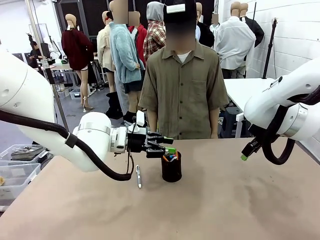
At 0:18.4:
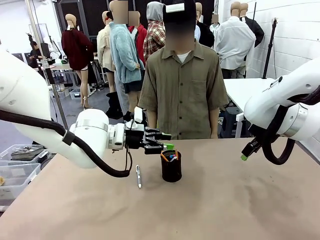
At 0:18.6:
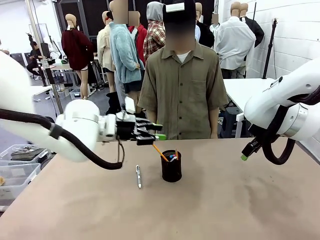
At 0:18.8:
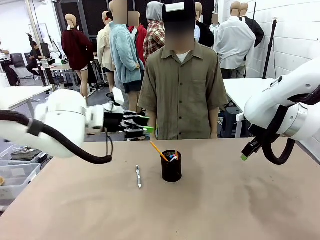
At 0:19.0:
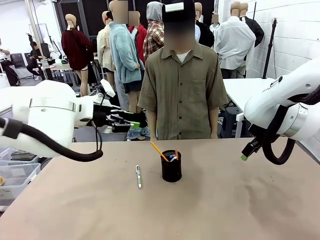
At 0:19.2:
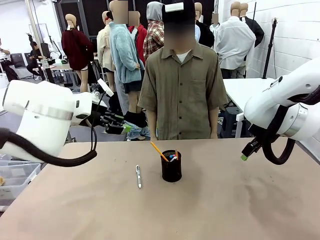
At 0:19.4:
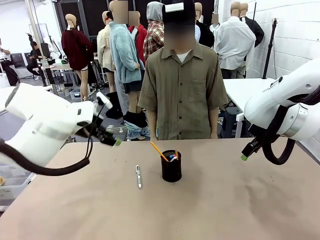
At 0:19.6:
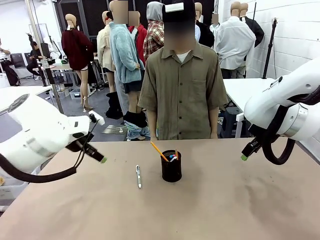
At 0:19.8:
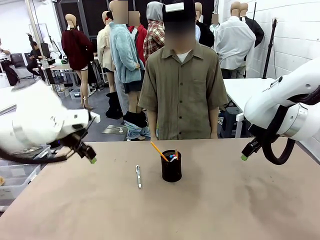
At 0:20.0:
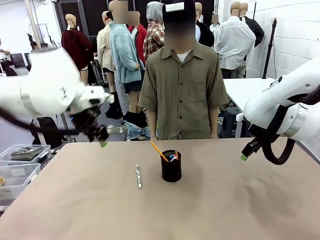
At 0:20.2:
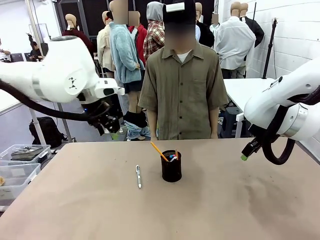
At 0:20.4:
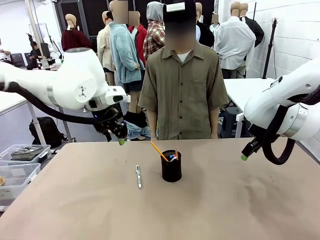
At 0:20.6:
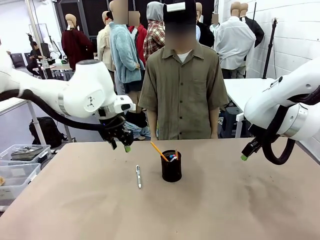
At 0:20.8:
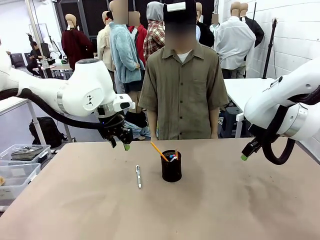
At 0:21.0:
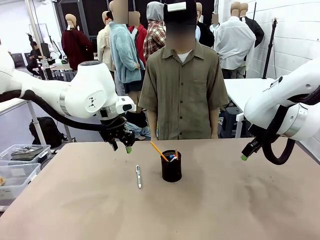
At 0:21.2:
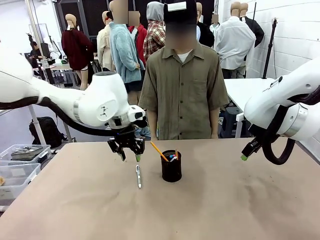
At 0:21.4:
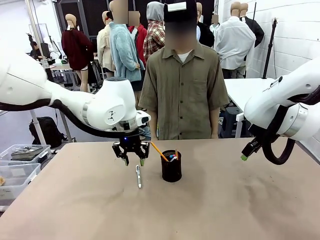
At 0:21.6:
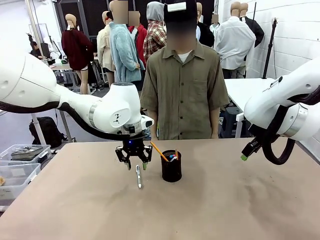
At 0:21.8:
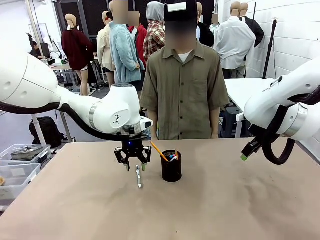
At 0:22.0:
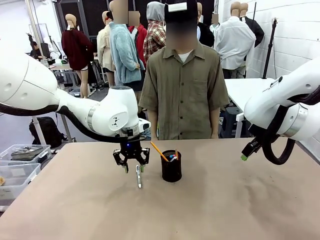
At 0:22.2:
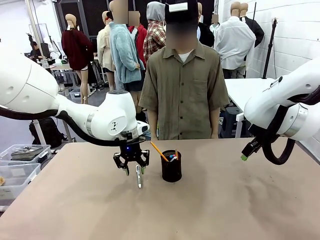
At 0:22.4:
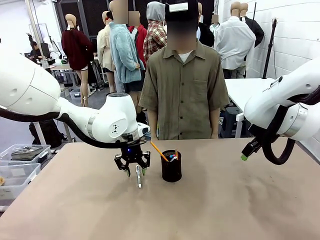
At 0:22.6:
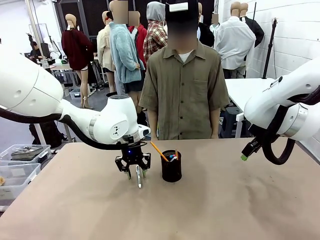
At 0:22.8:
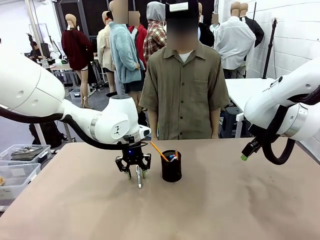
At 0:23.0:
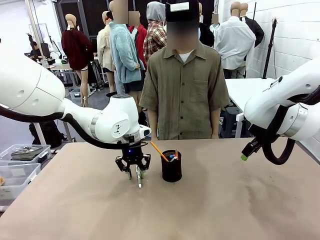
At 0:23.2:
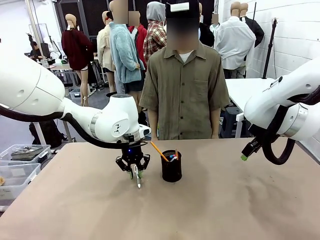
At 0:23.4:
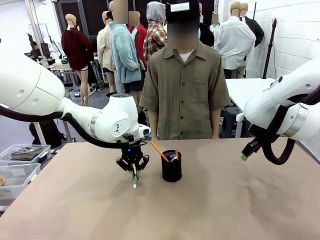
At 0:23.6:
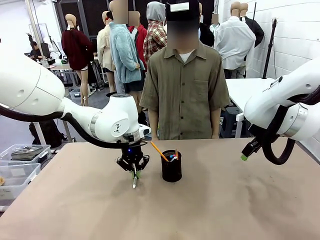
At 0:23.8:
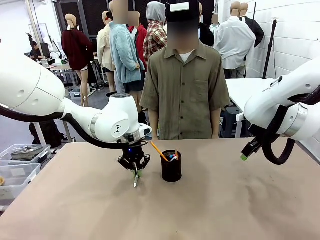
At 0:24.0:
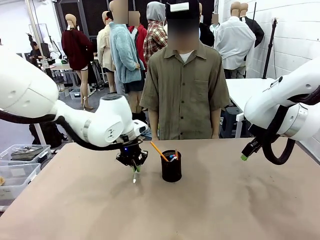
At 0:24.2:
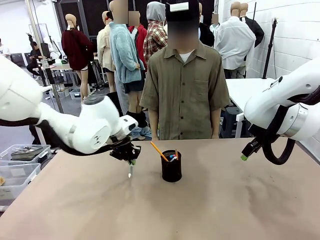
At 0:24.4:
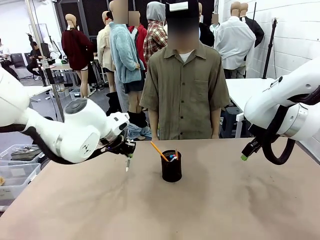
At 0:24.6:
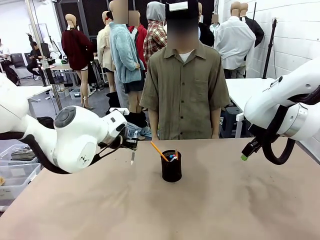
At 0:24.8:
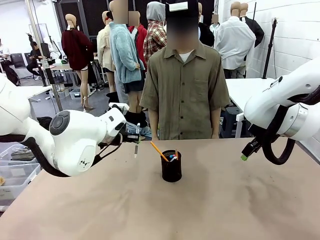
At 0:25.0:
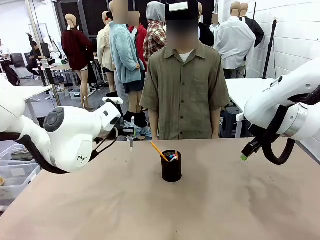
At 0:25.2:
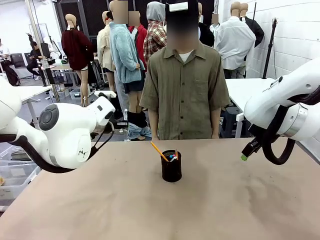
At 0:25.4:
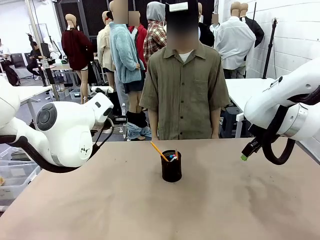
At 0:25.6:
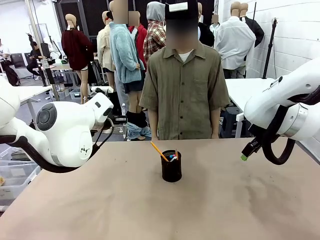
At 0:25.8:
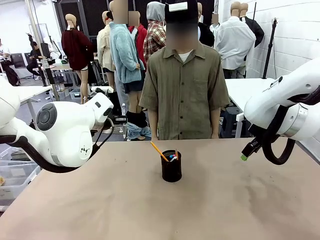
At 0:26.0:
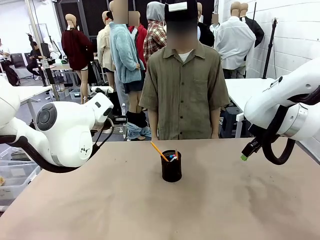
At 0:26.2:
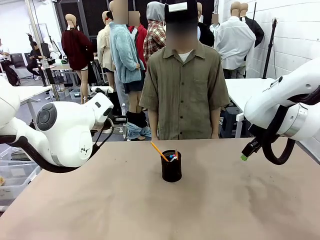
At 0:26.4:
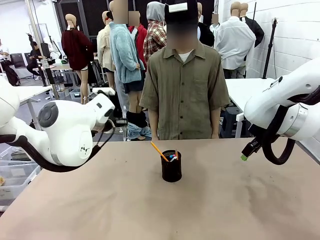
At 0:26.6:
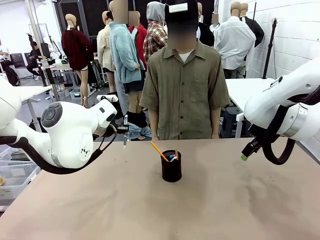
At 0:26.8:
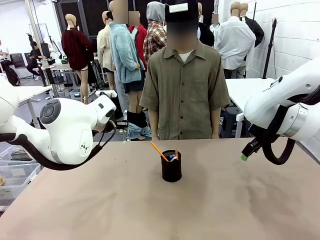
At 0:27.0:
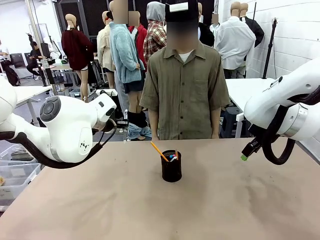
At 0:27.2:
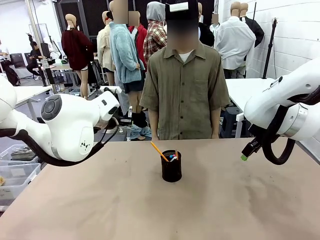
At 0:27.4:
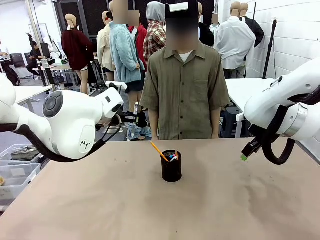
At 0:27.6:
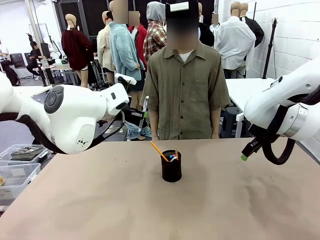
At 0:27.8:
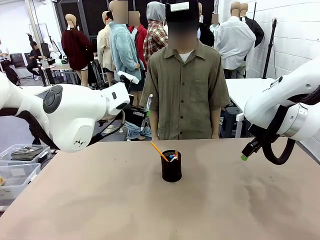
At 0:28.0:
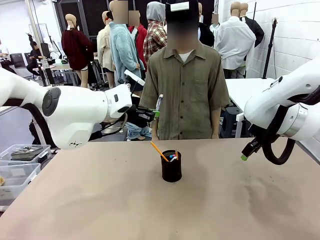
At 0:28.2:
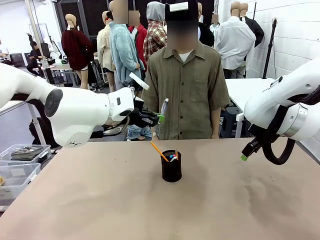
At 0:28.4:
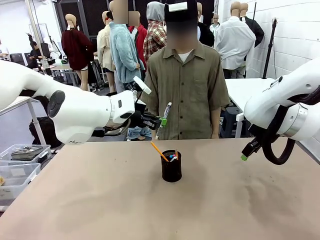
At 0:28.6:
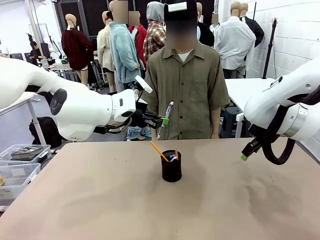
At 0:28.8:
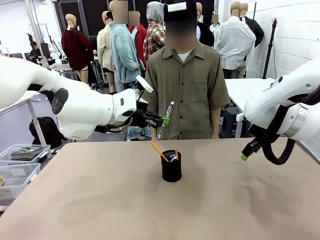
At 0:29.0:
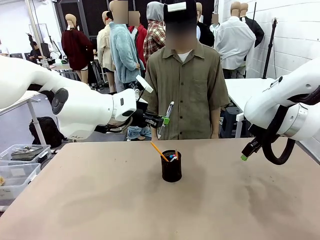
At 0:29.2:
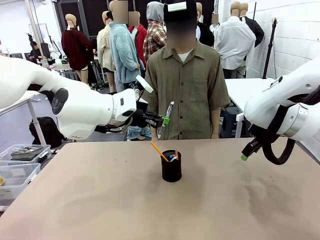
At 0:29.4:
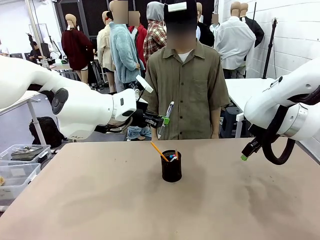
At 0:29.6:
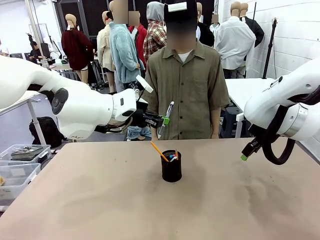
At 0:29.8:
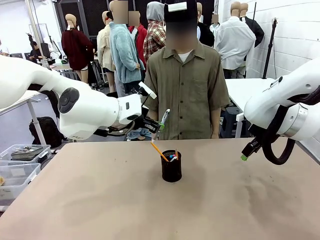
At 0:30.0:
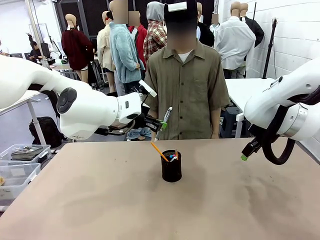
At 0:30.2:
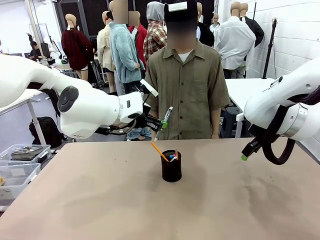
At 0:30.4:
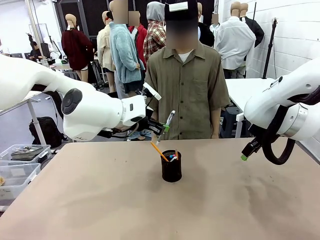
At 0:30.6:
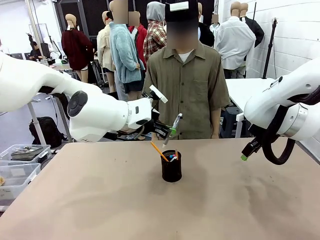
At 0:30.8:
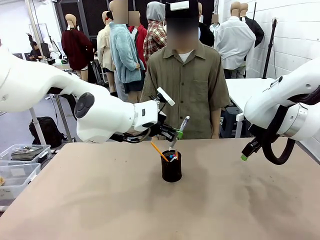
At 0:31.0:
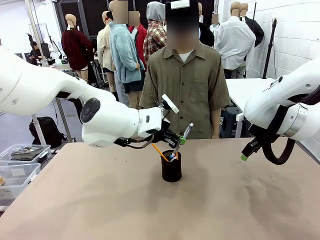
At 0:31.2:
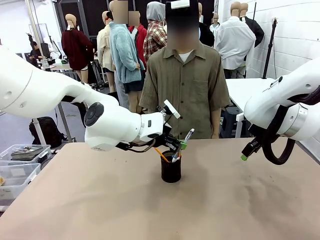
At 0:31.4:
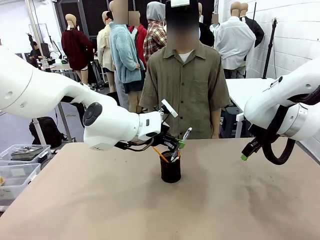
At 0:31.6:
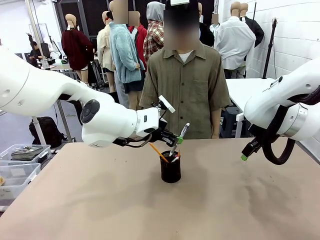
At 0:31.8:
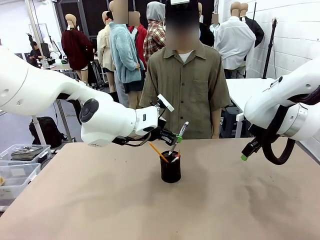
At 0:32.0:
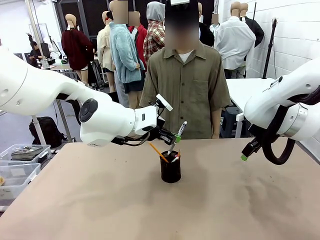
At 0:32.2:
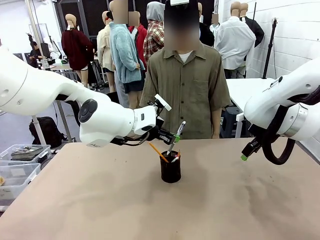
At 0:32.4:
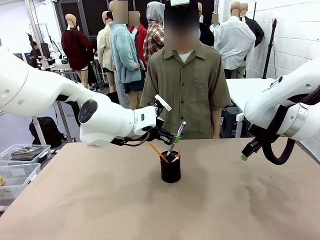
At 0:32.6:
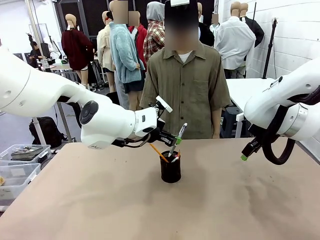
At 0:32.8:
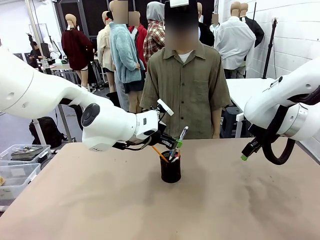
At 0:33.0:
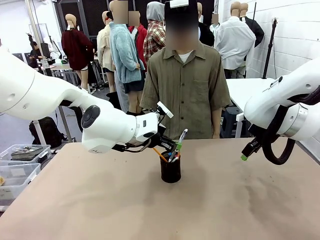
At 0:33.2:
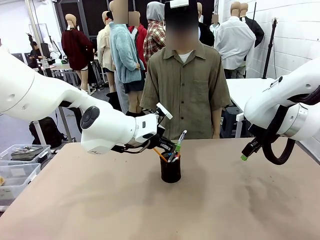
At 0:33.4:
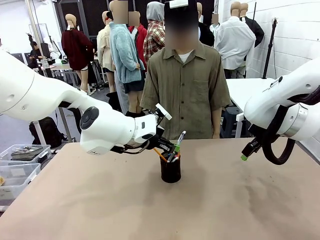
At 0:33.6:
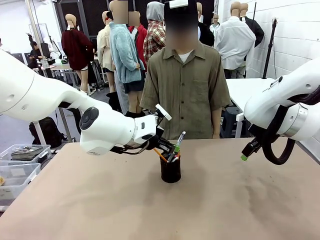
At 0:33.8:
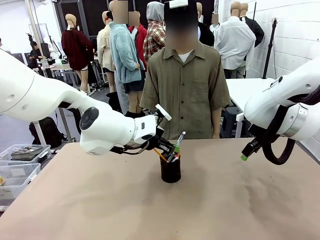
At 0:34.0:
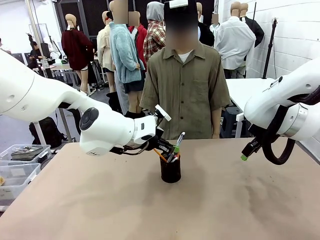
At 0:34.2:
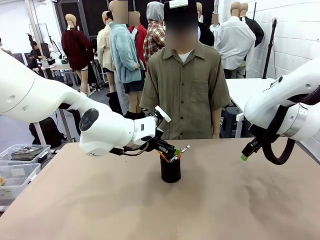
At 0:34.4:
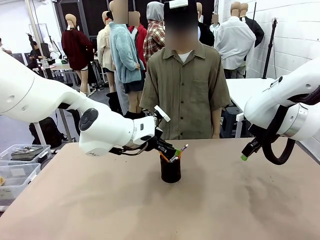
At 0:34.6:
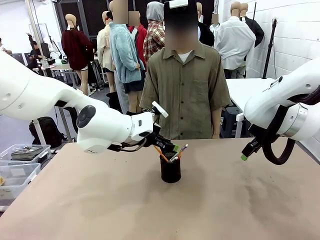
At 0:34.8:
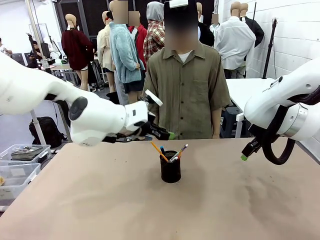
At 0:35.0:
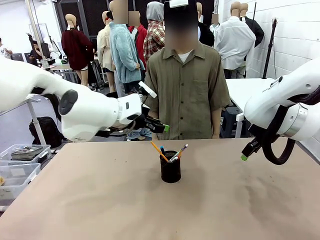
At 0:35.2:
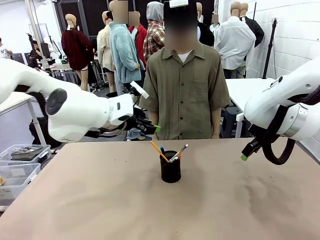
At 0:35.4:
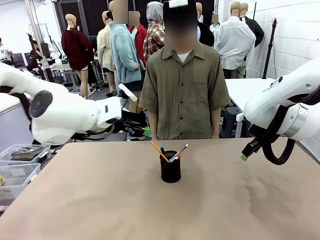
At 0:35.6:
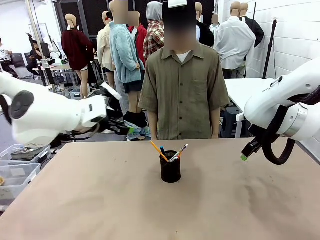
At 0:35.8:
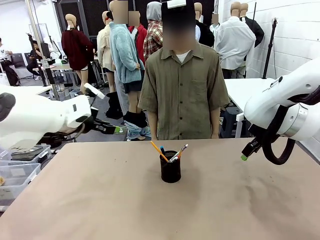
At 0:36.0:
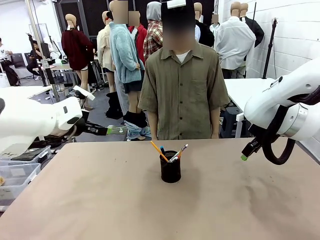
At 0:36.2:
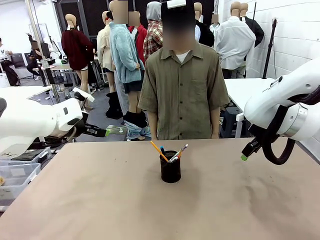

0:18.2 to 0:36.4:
Task: Place the pens into the pen holder.
Robot: Pick up a writing instrument from the table and place it into the Pen holder.
Person: Place all writing instrument into the Pen holder.
